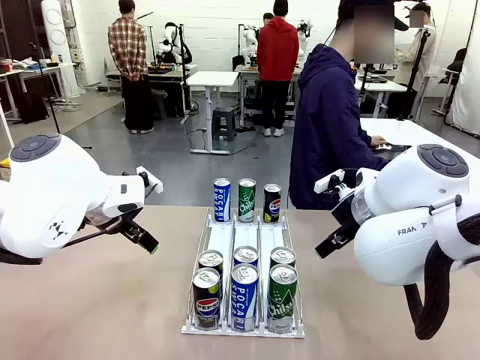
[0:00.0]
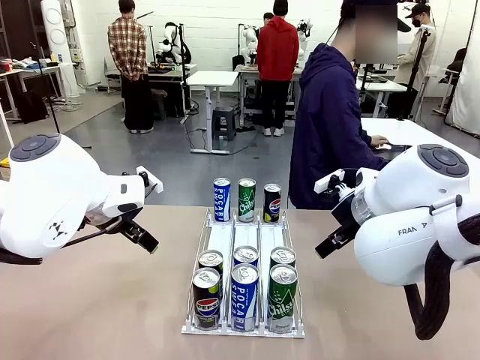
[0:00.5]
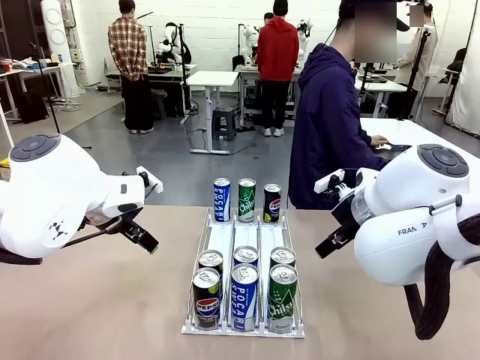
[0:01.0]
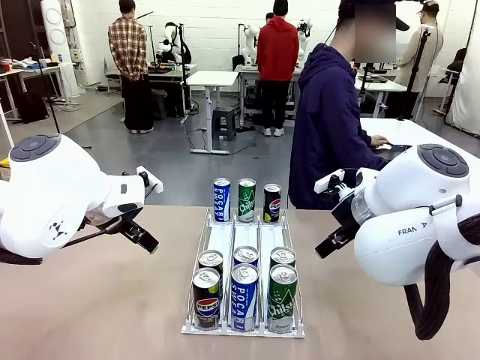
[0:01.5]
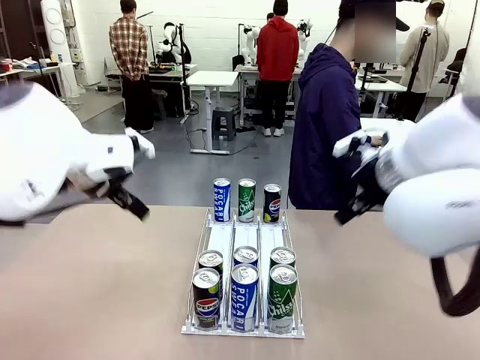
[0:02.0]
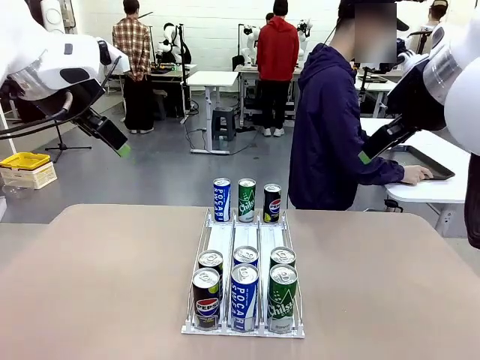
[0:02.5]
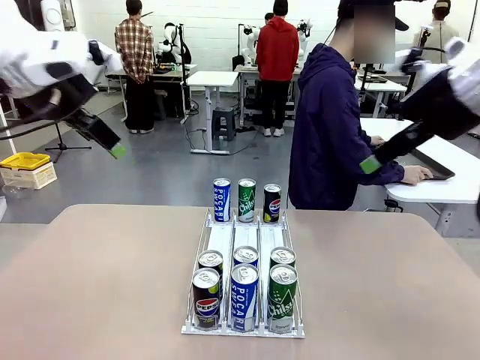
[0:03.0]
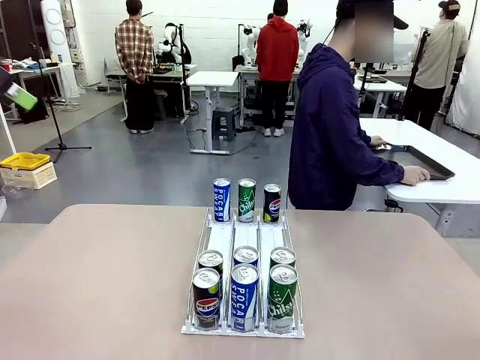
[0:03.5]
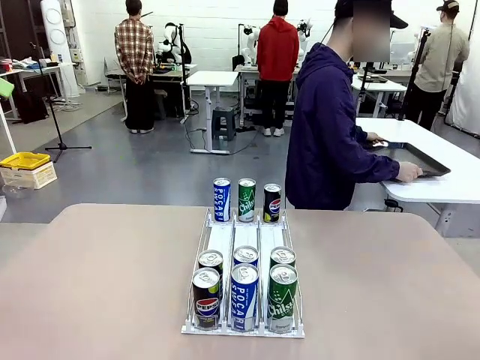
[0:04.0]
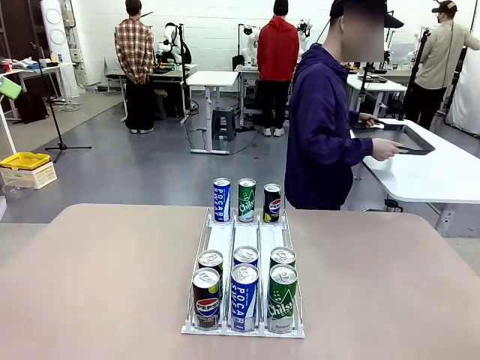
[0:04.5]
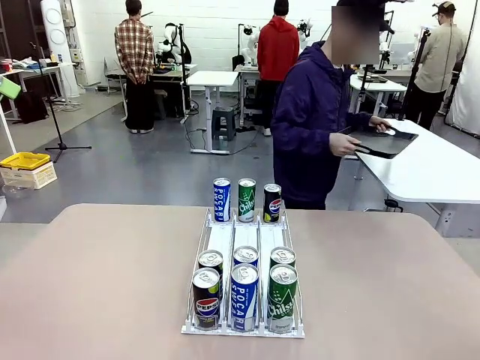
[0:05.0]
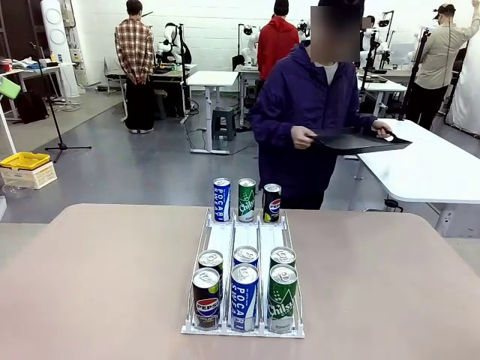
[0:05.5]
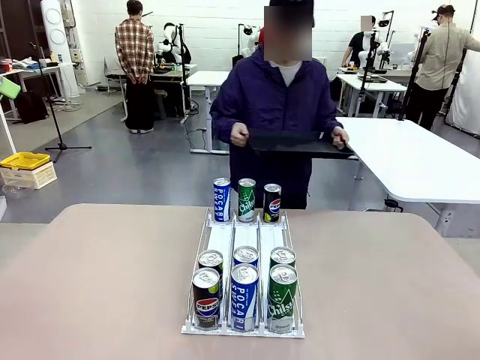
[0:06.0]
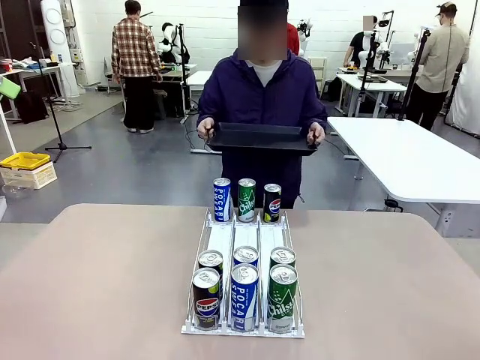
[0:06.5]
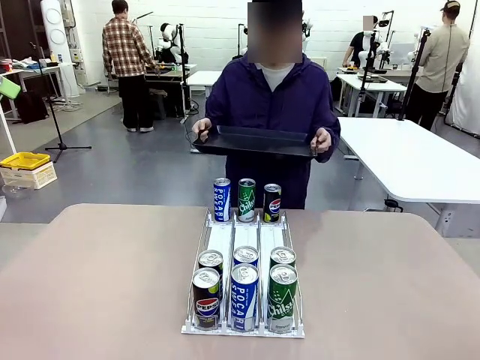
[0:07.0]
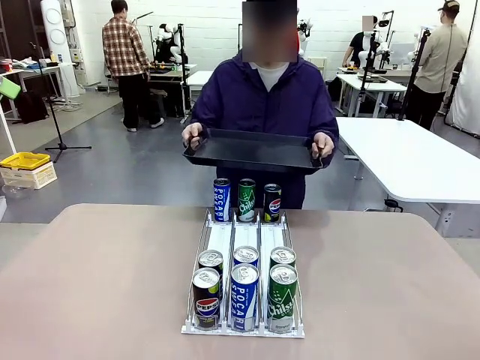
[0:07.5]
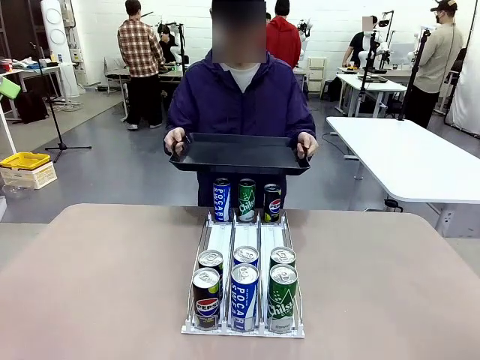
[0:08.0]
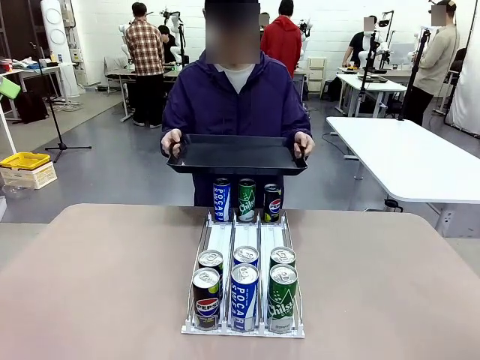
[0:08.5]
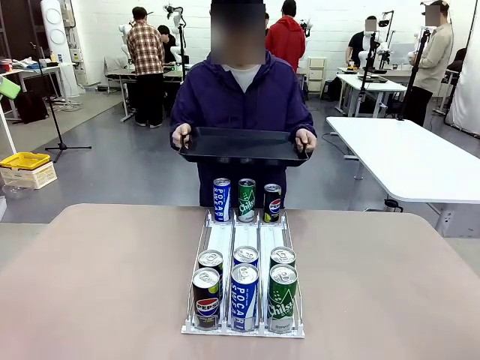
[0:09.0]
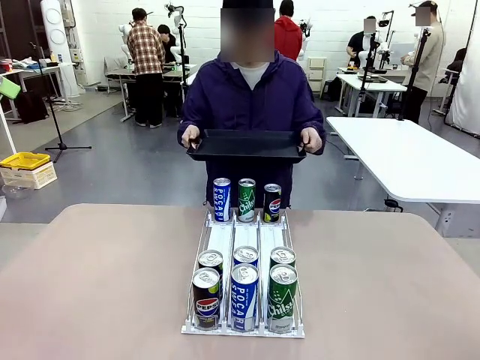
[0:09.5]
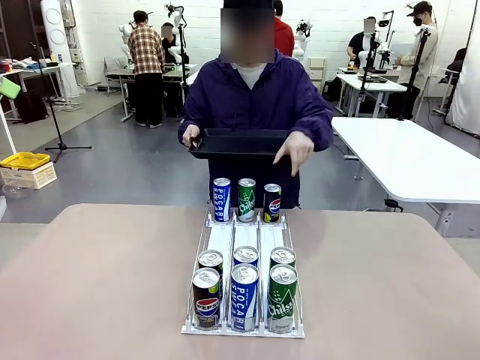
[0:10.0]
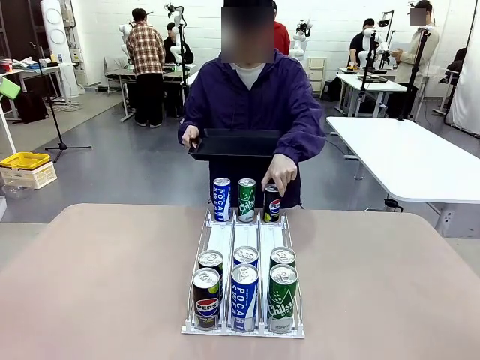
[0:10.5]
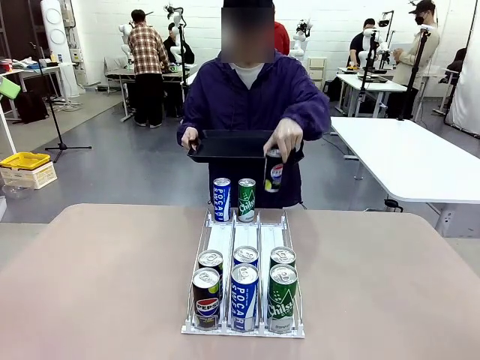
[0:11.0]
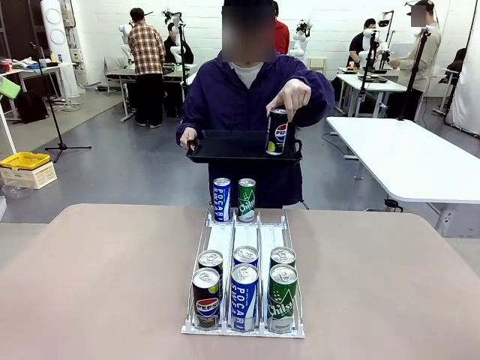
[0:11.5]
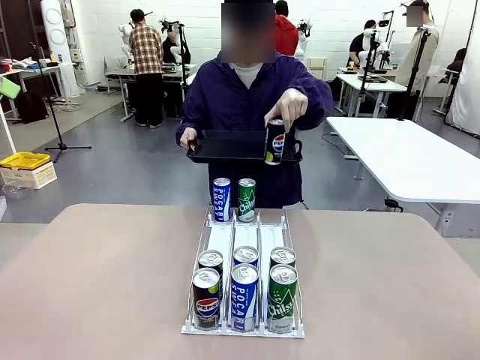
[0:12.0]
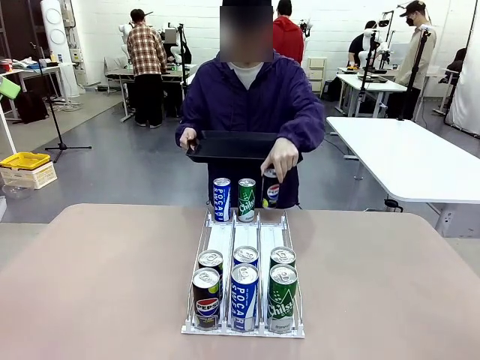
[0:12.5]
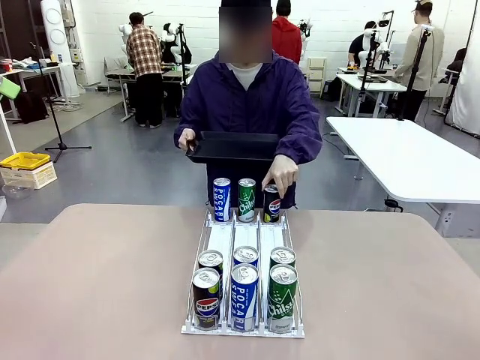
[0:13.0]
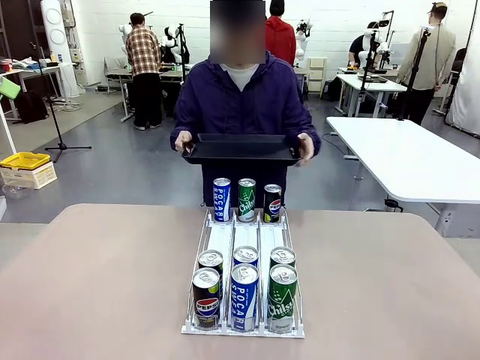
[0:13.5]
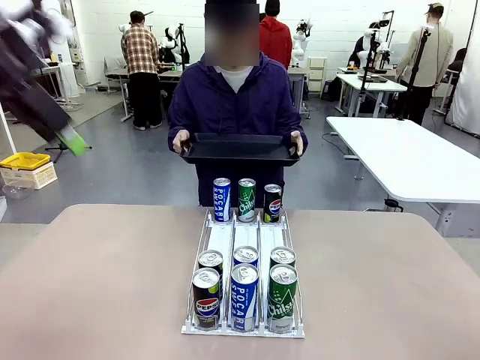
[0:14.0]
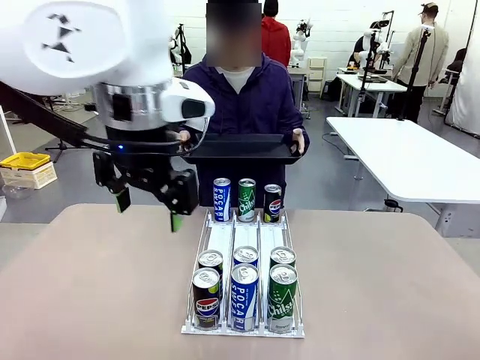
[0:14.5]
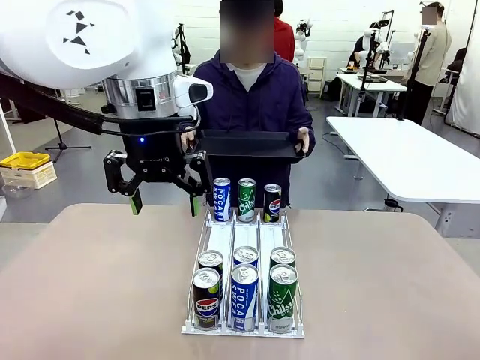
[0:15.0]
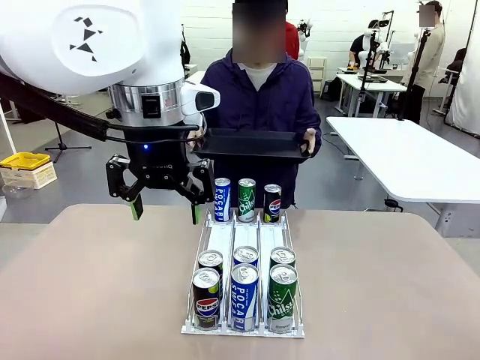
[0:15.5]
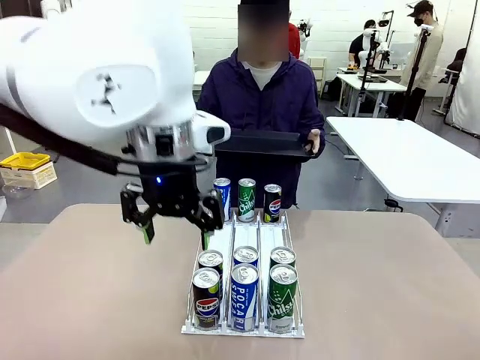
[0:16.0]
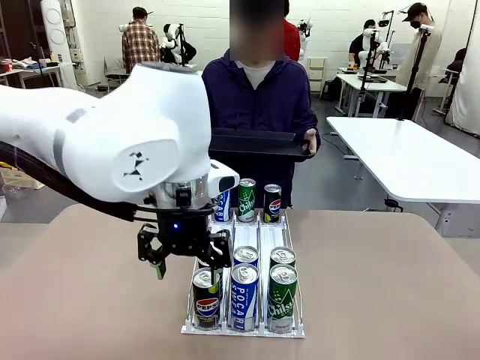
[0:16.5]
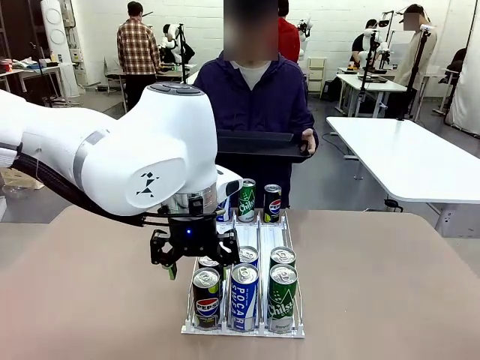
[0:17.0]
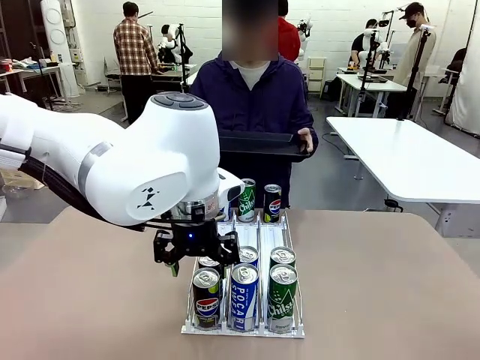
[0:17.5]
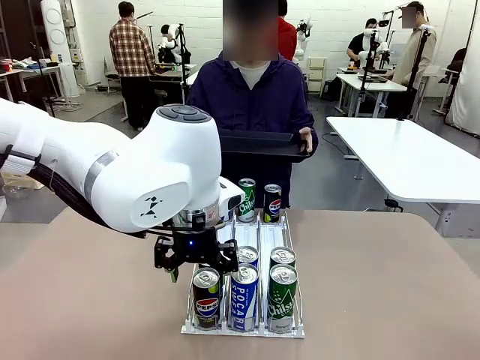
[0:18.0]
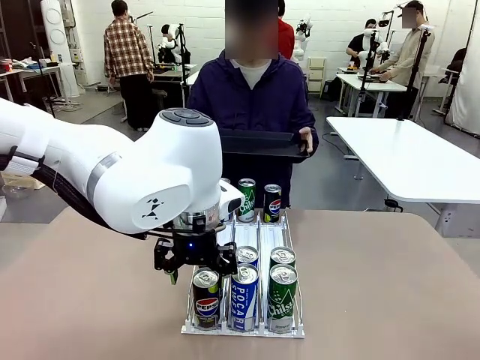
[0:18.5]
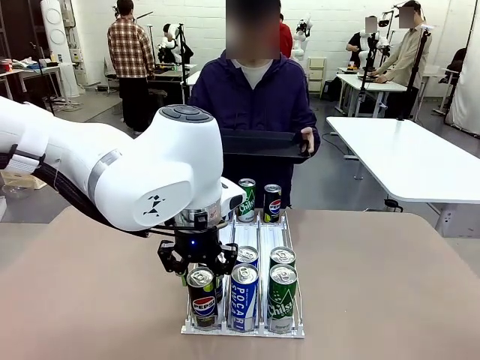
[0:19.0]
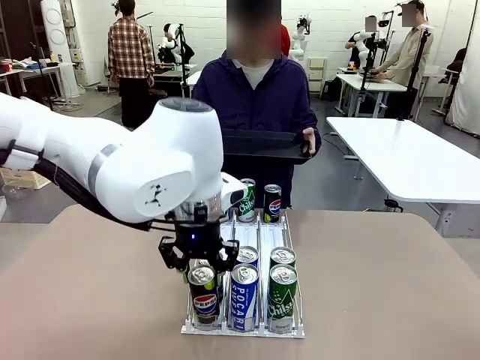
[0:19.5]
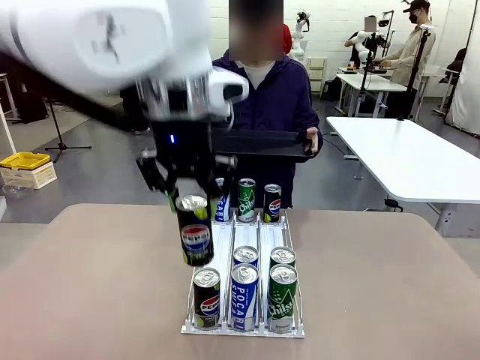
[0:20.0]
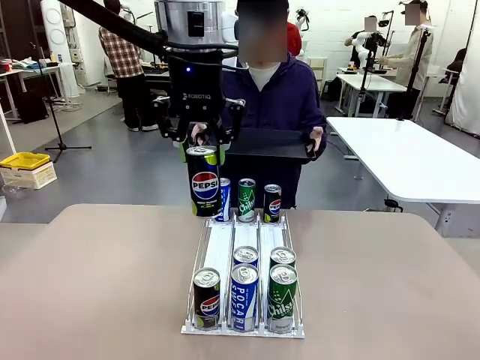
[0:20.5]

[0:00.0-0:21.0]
Task: Retrieve and hand over the desired beverage to the person.
Robot: Pick up a can of the same type that the person held from the Automatic Can Dispenser.
Person: Hold the tray and position yourself in front of the robot table. Pick up one can from the bottom area of the table and puts it back in its original place. Push the tray toward the robot.

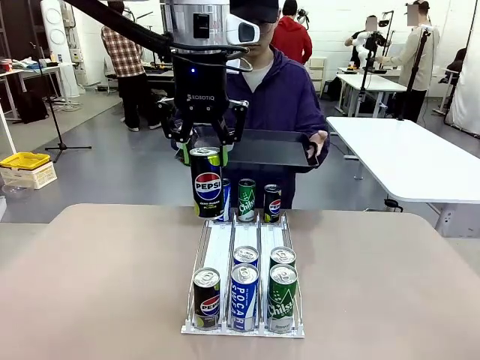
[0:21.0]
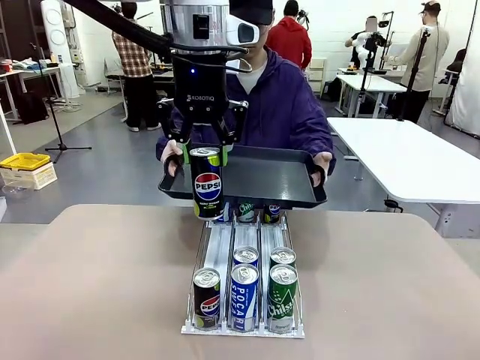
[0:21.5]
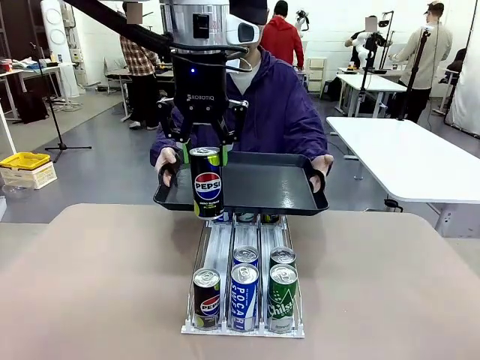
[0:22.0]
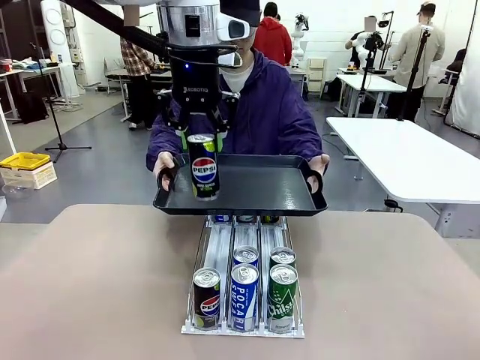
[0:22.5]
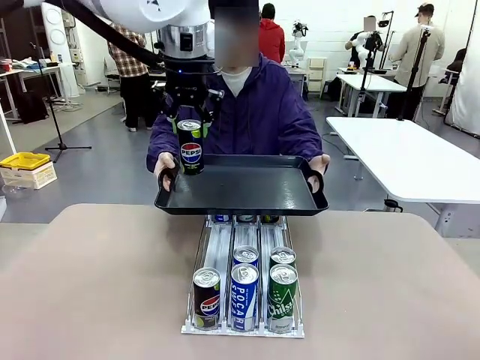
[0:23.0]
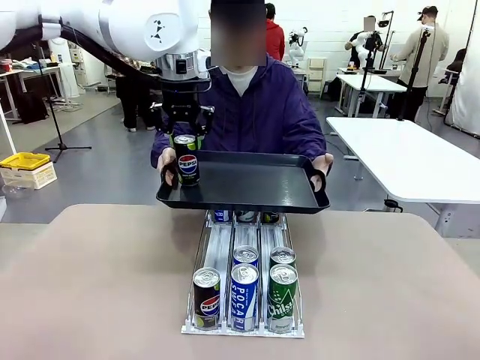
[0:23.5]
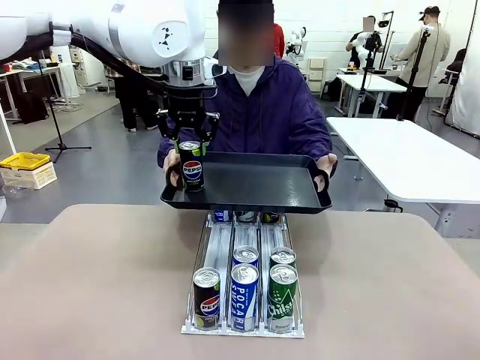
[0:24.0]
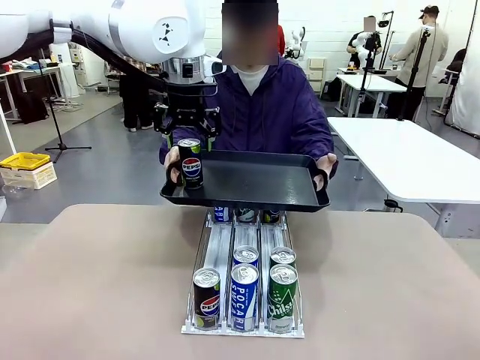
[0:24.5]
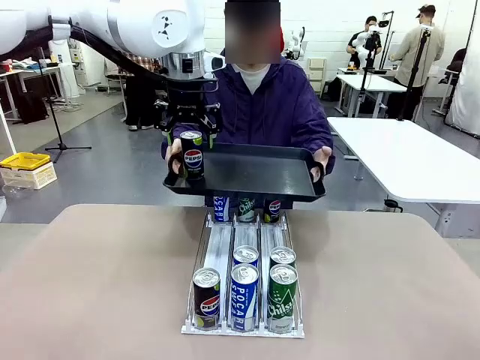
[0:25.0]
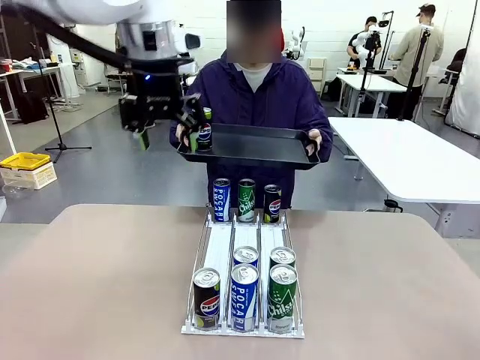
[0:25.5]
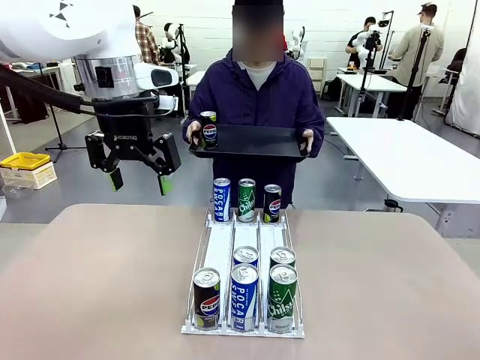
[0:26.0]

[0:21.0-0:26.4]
Robot: Place the picked can on the Handle tray extended by the person.
